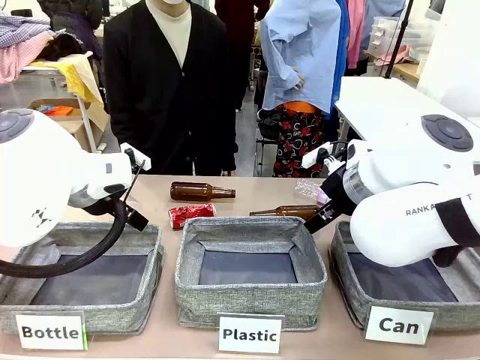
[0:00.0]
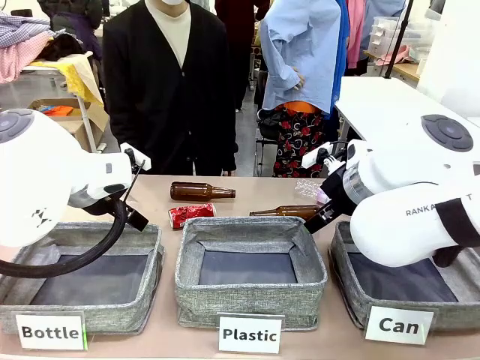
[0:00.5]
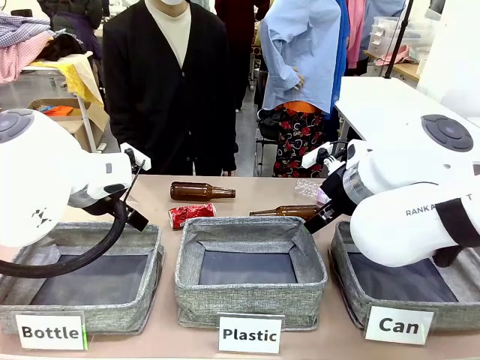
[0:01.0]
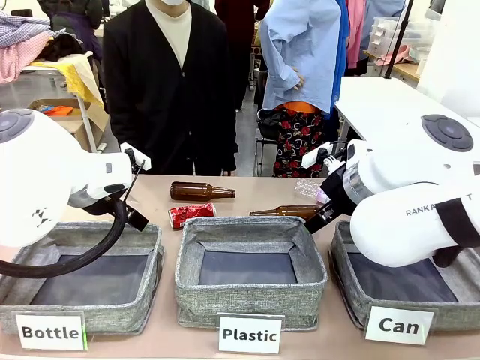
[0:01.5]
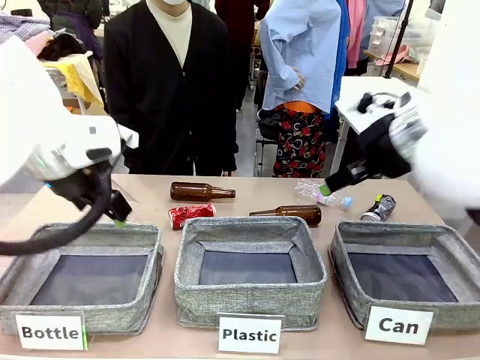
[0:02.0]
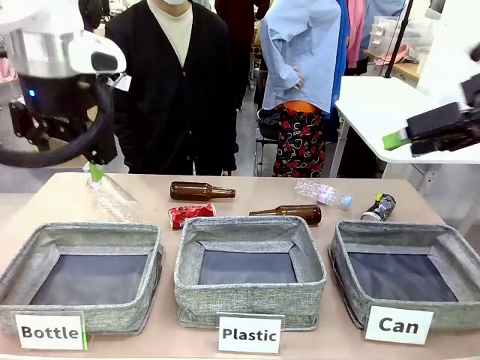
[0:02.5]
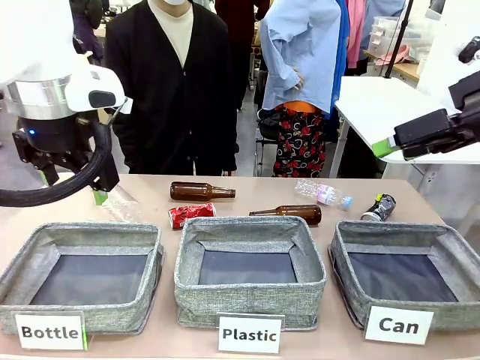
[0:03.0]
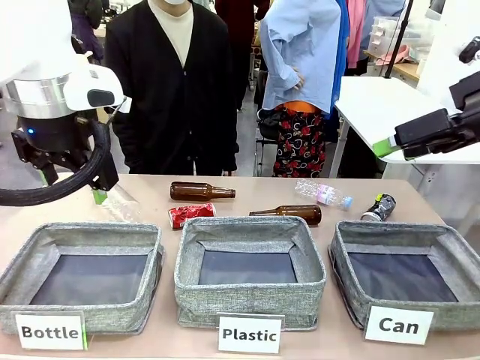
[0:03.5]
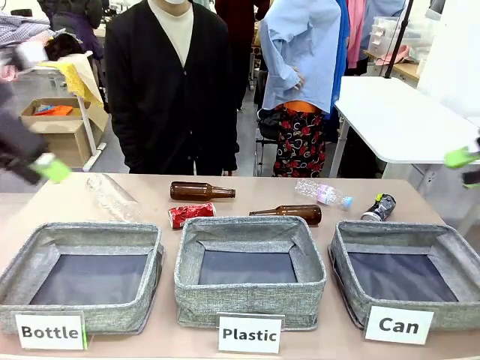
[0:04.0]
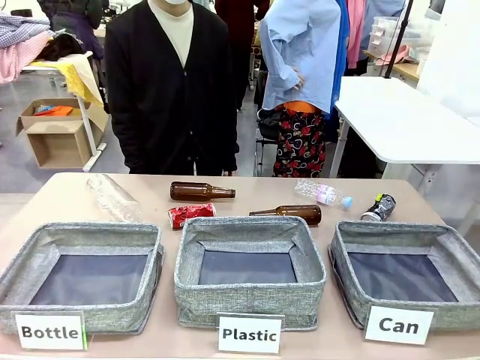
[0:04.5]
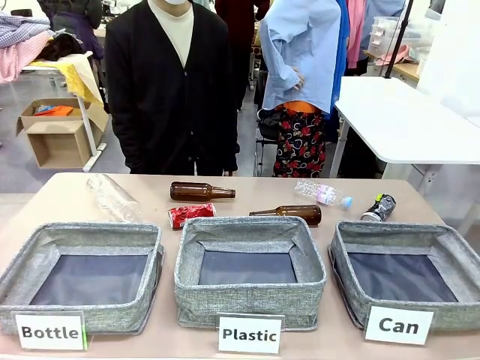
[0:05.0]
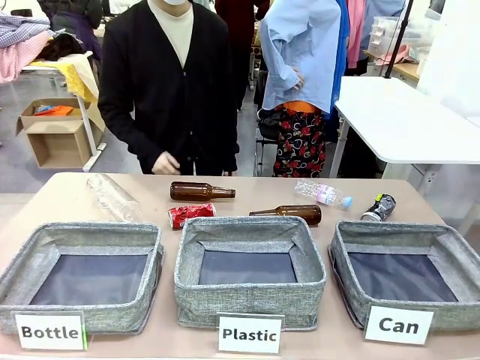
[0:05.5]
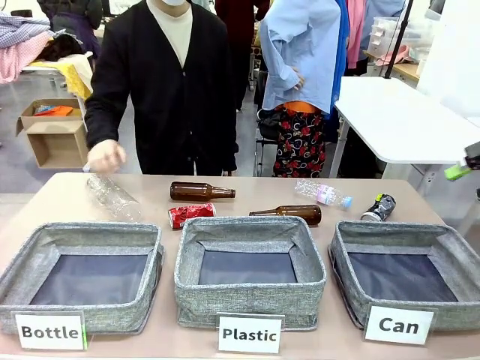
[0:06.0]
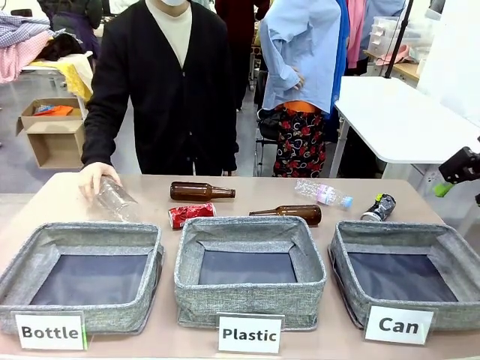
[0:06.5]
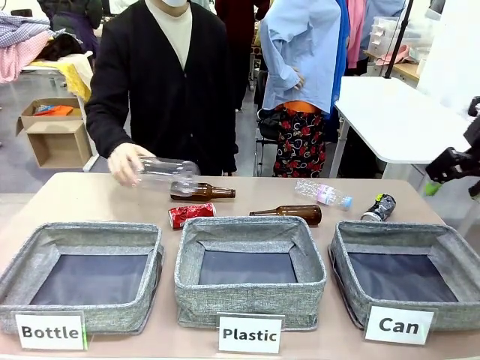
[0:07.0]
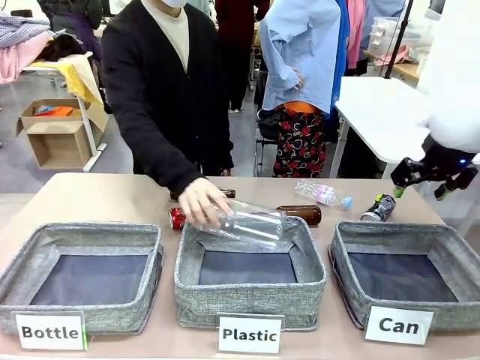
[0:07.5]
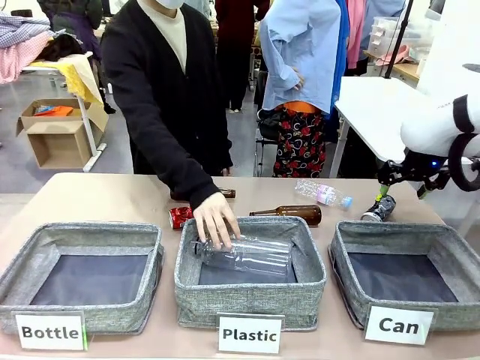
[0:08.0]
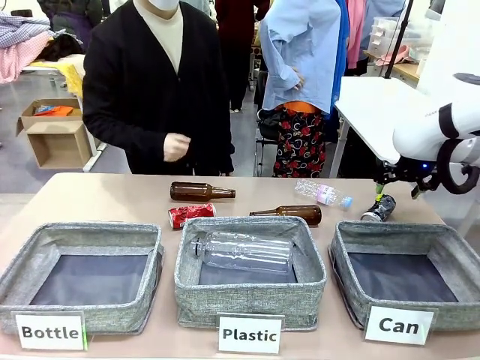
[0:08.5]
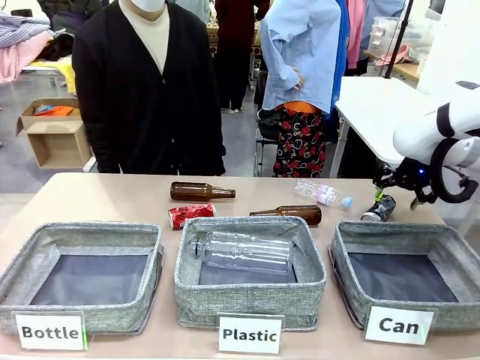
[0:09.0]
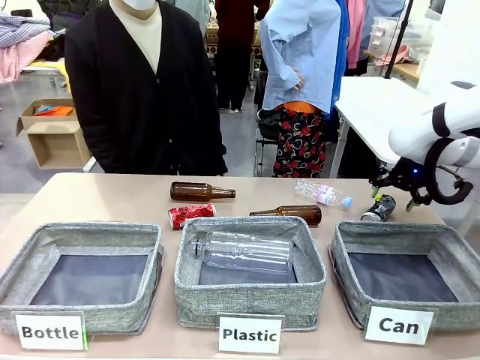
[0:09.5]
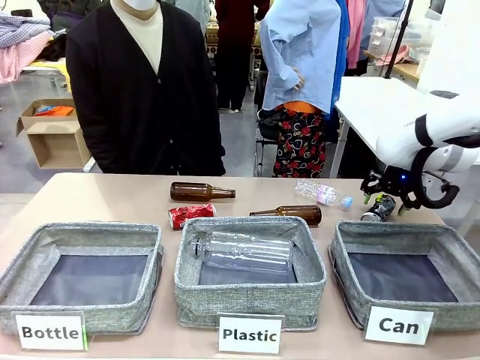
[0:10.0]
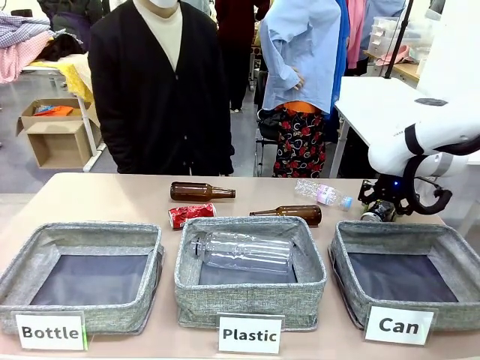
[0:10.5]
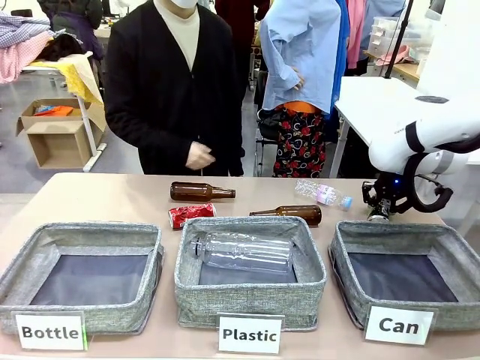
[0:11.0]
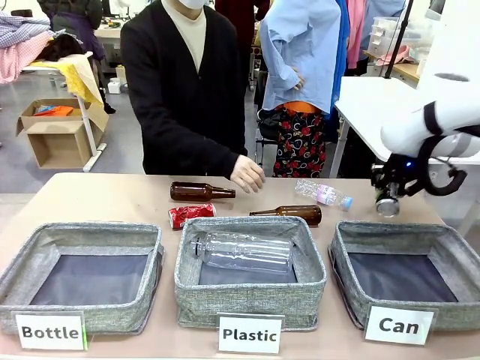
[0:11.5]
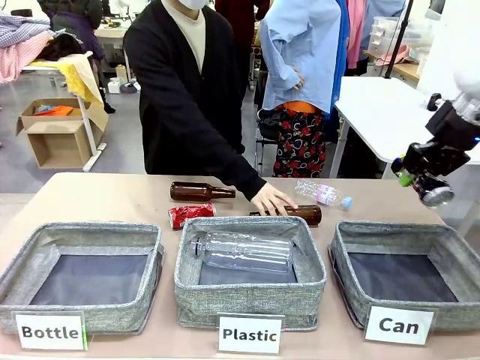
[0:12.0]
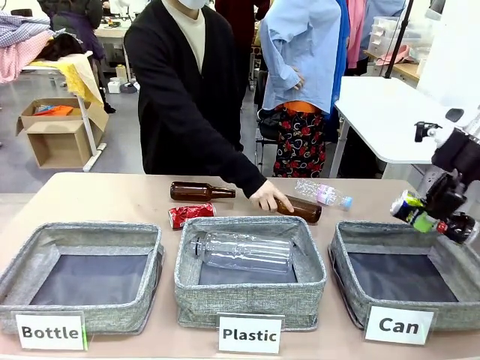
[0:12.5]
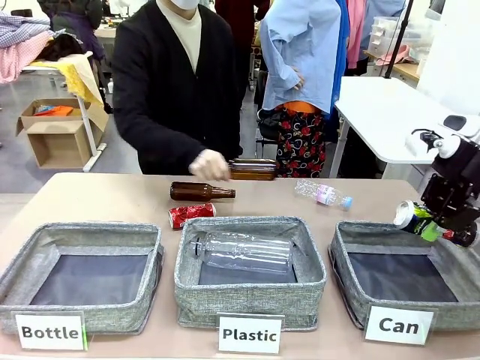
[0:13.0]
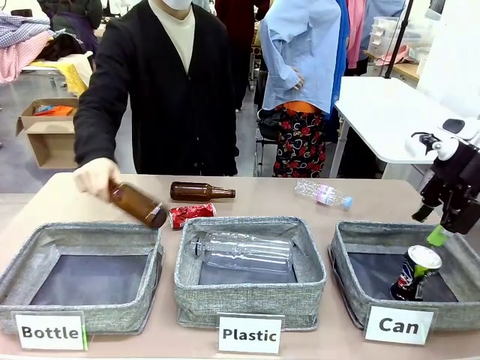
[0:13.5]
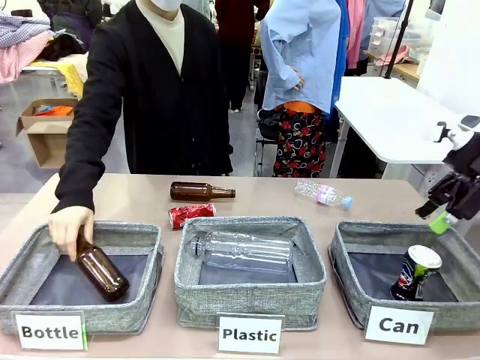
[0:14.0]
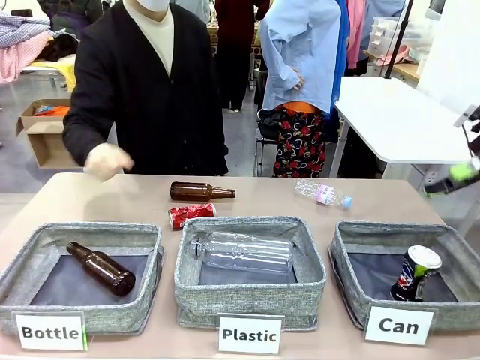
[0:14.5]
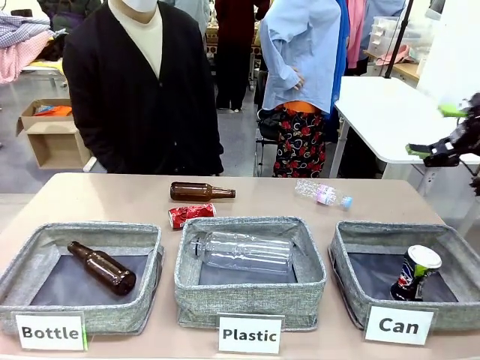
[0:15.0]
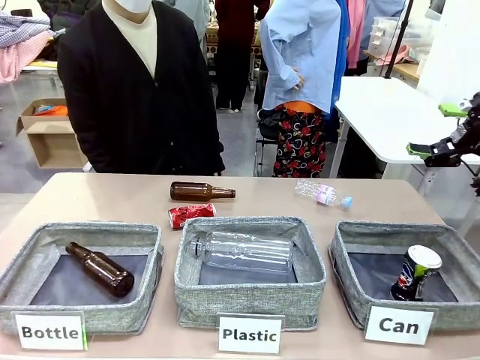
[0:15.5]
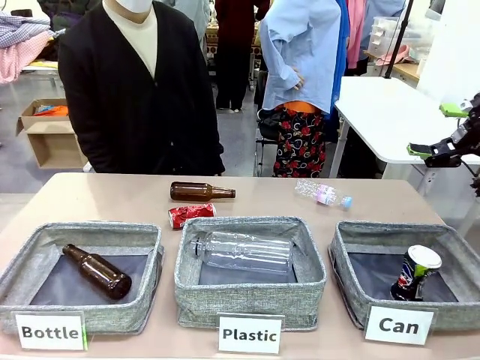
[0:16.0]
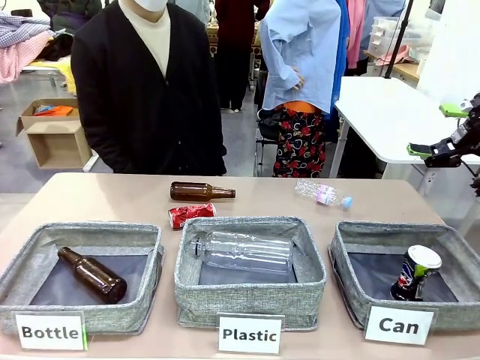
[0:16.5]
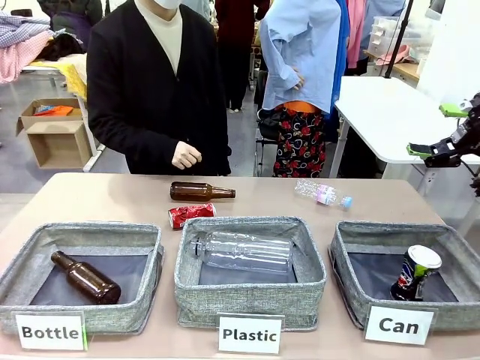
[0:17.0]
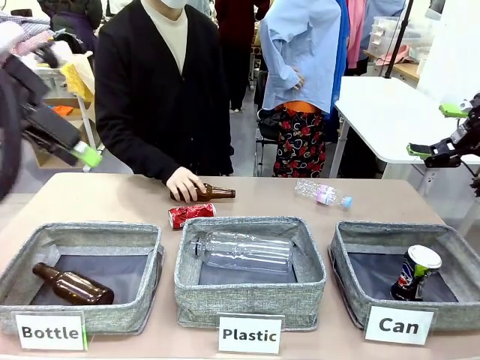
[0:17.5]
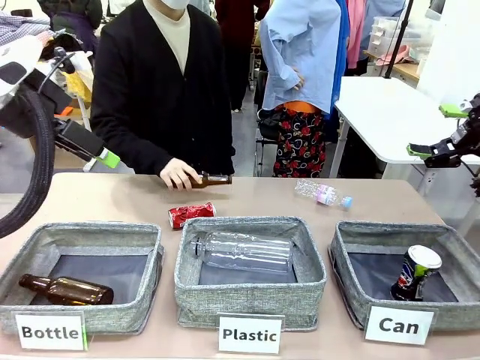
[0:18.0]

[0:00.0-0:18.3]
Task: Sort the can waste into the basket.
Robot: Pick up the can waste from the table and place it in the right Fabric basket.

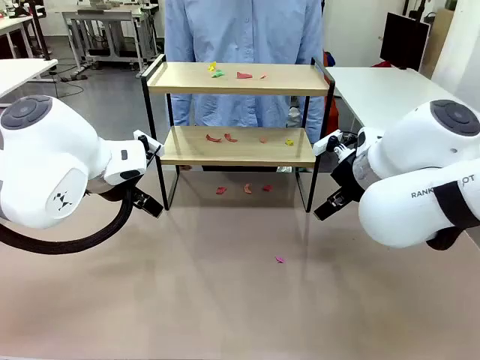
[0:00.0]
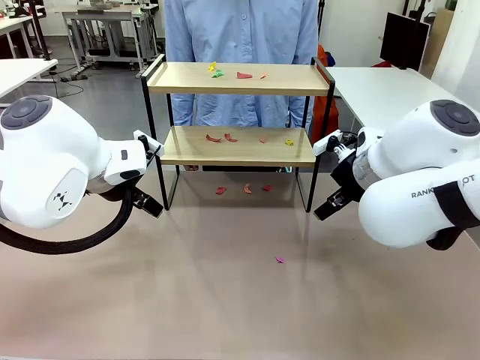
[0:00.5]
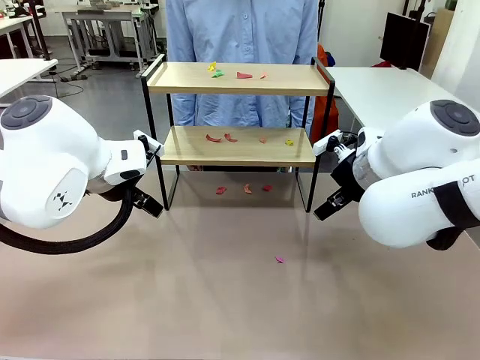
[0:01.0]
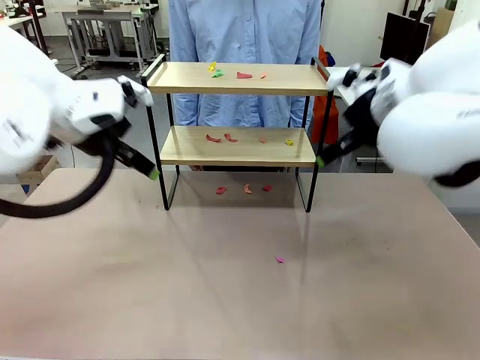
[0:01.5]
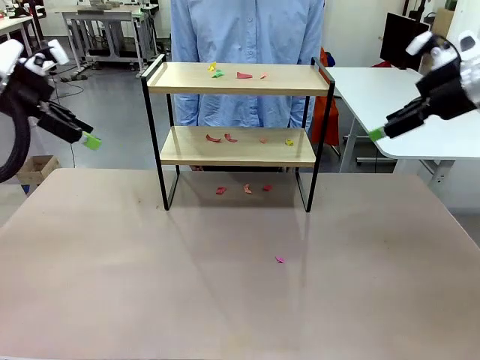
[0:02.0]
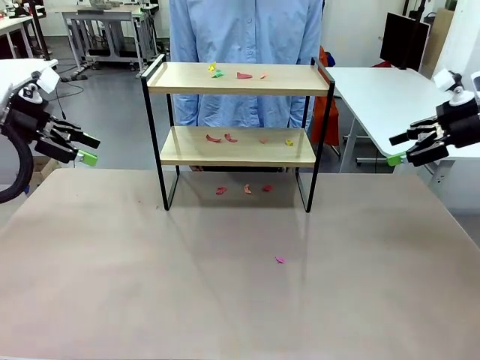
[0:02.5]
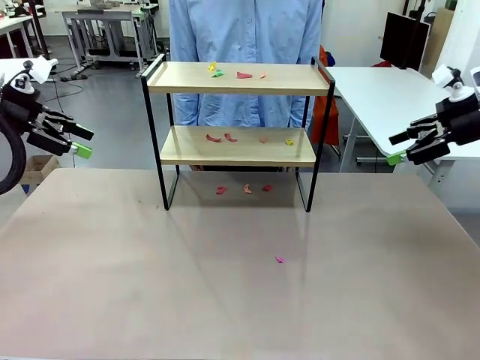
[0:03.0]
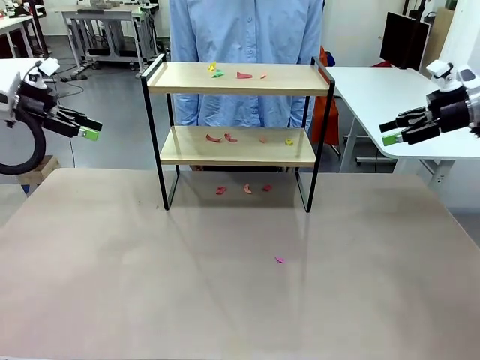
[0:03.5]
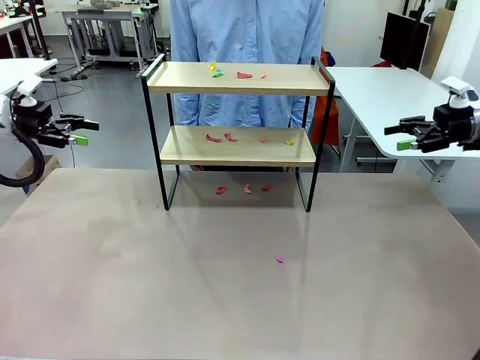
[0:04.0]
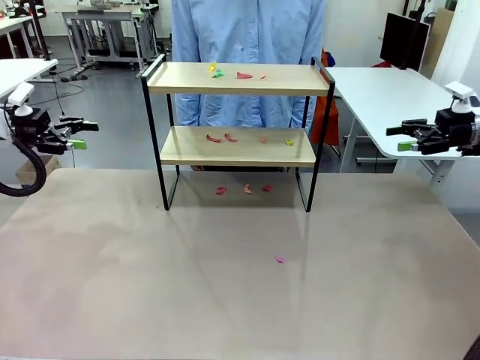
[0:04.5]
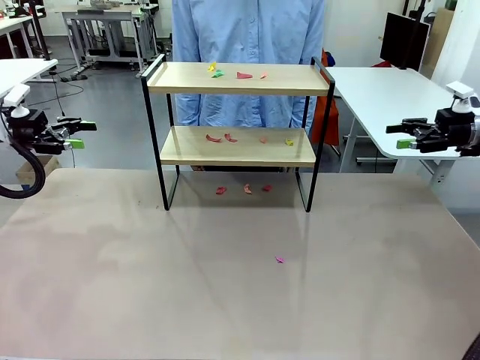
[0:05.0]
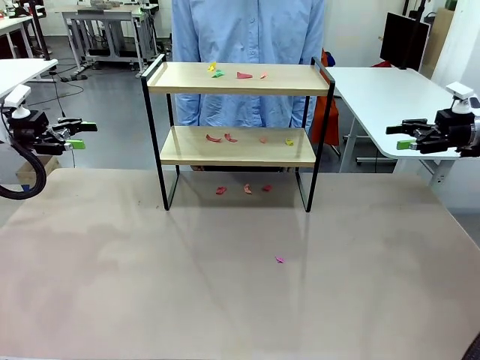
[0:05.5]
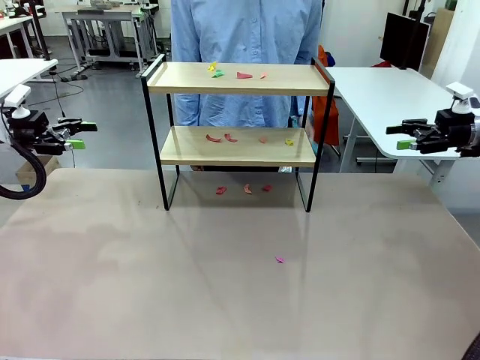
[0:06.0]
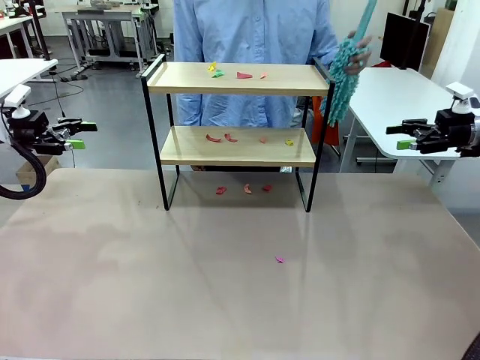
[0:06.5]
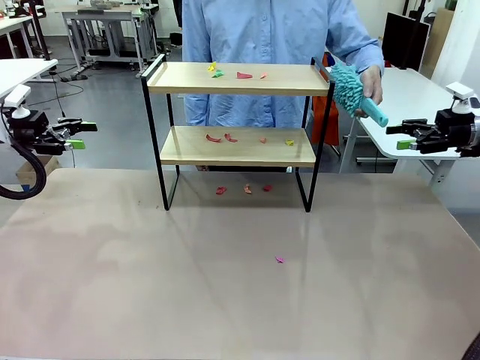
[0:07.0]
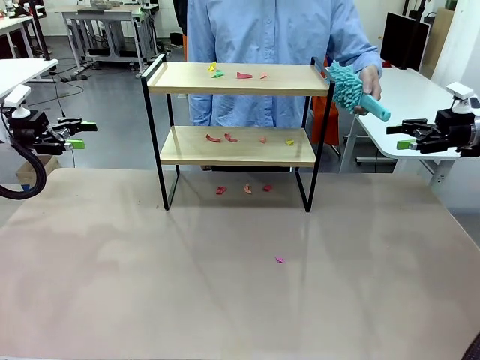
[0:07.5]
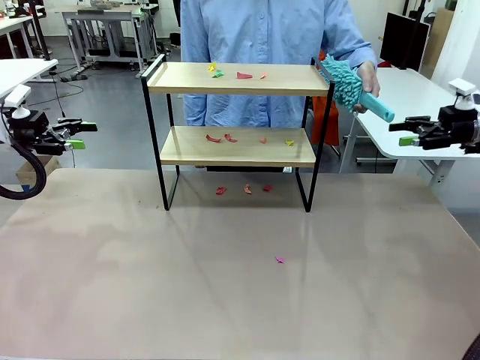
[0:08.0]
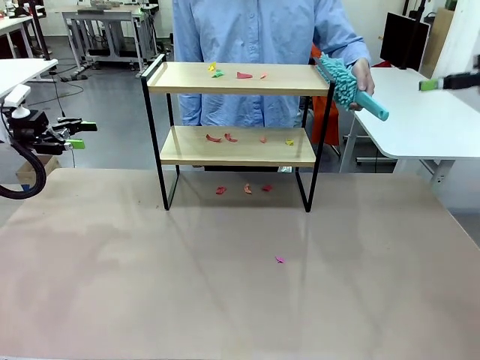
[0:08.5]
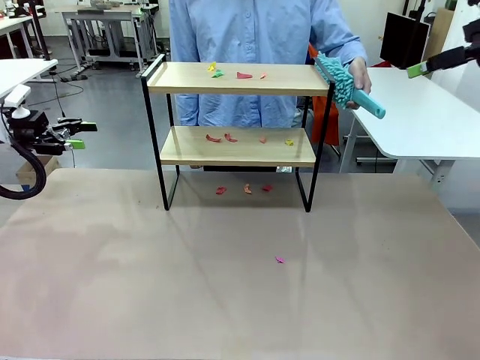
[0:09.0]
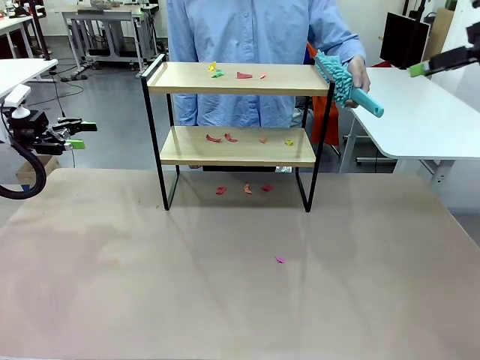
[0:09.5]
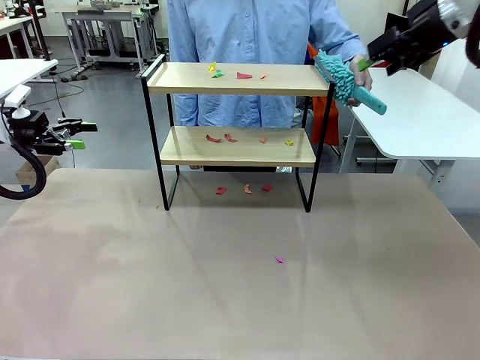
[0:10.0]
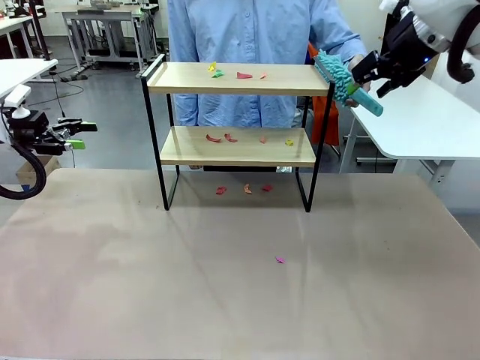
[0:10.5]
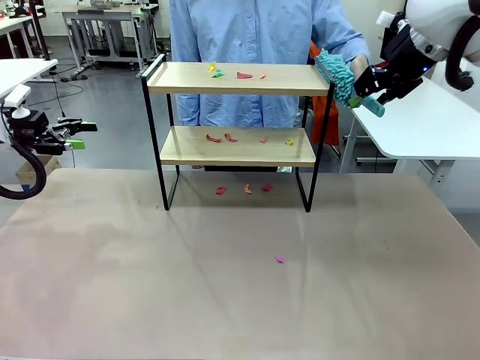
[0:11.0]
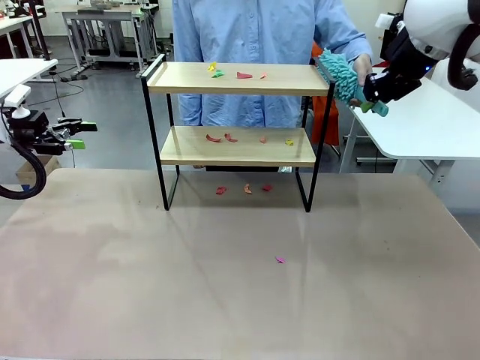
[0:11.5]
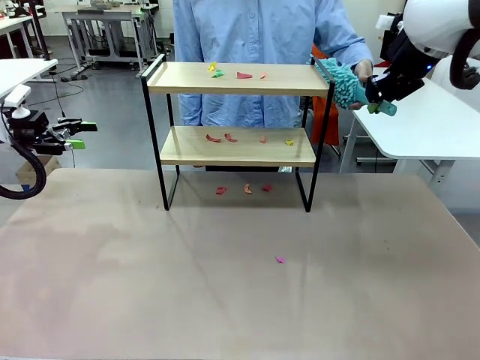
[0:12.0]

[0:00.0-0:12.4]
Task: Clean the shelf.
Robot: Pick up the Duster handed by the human.
Person: Hand the Duster to the robot.
